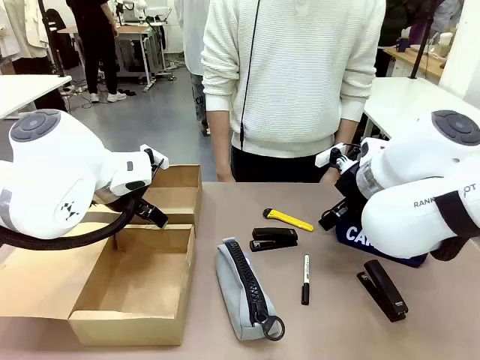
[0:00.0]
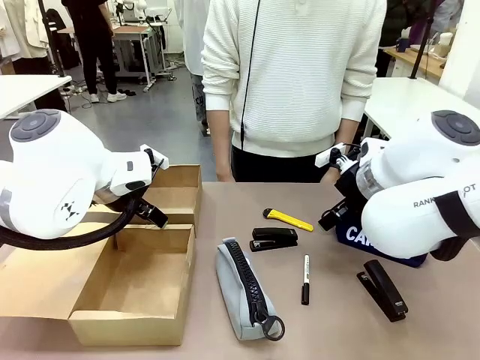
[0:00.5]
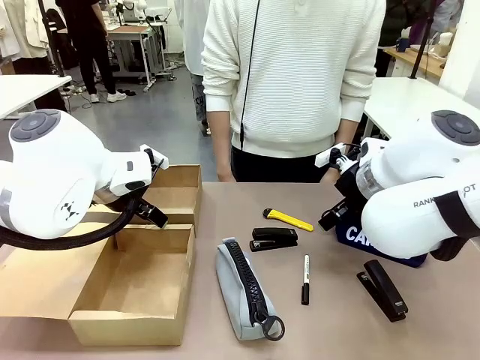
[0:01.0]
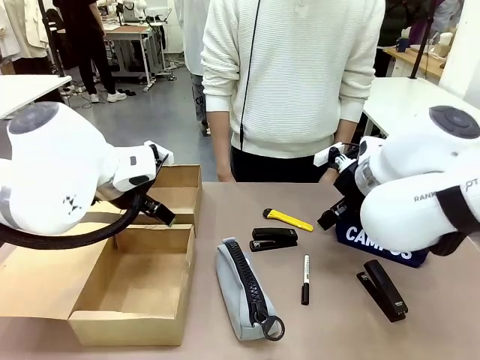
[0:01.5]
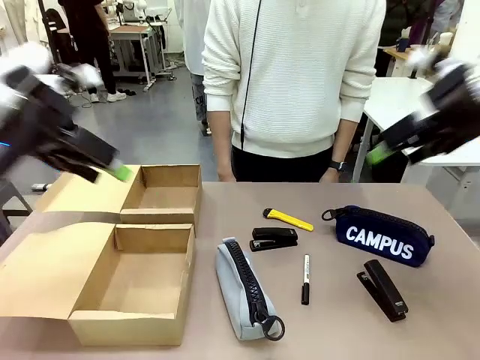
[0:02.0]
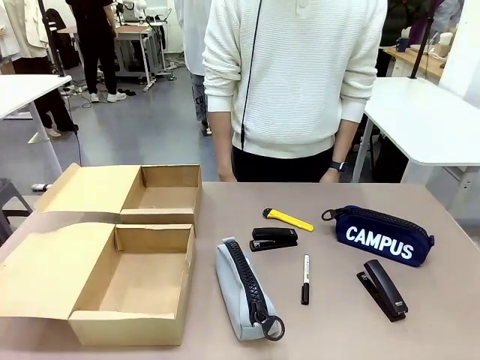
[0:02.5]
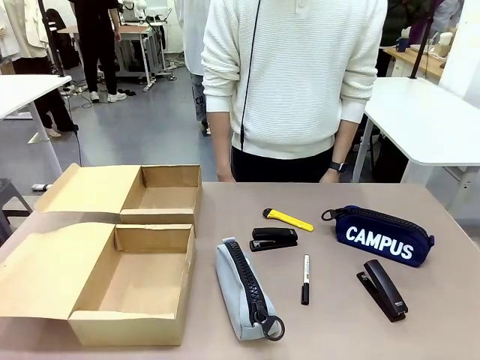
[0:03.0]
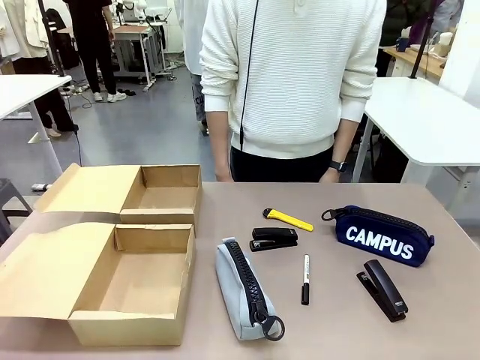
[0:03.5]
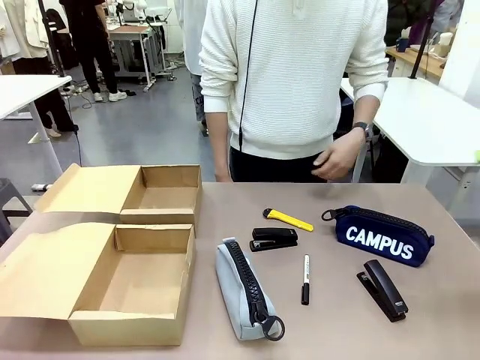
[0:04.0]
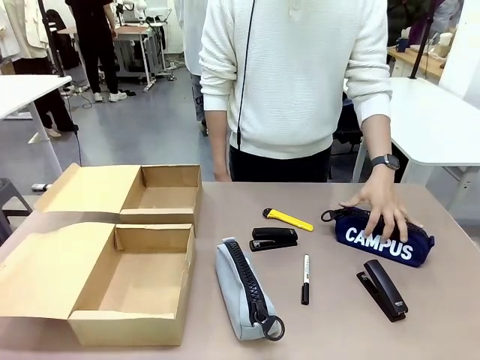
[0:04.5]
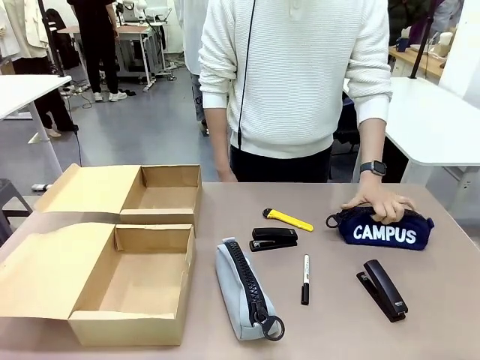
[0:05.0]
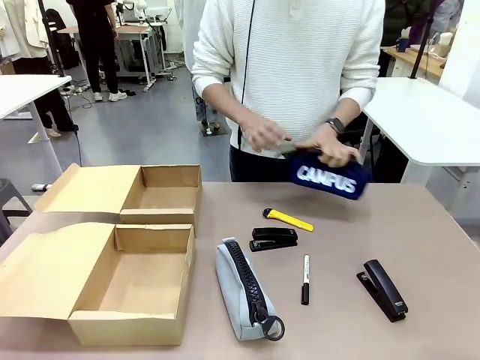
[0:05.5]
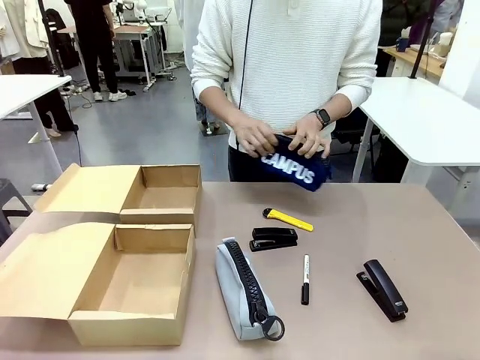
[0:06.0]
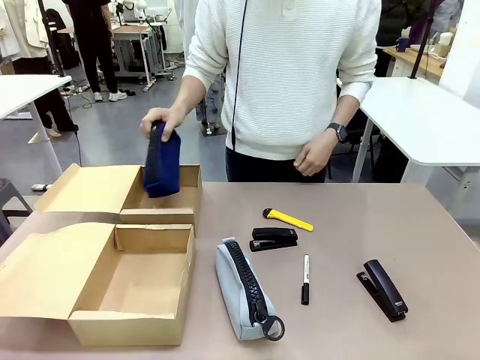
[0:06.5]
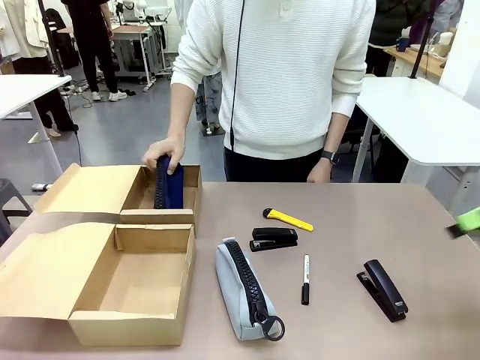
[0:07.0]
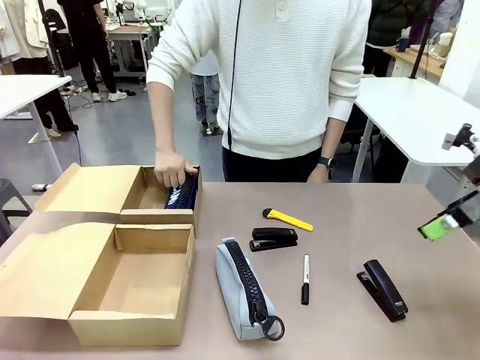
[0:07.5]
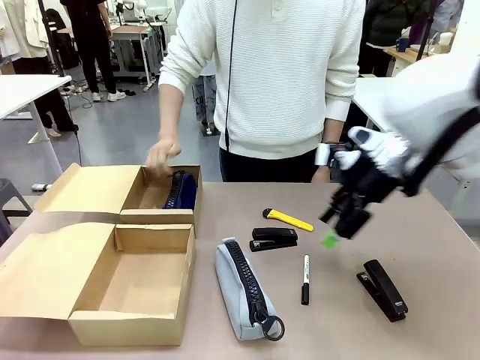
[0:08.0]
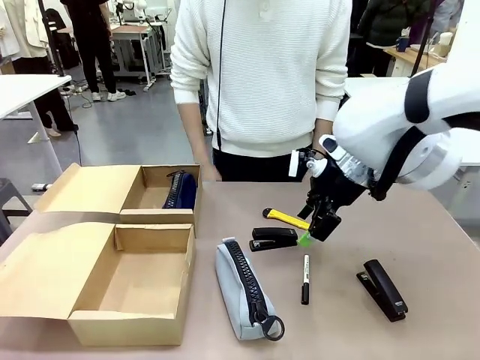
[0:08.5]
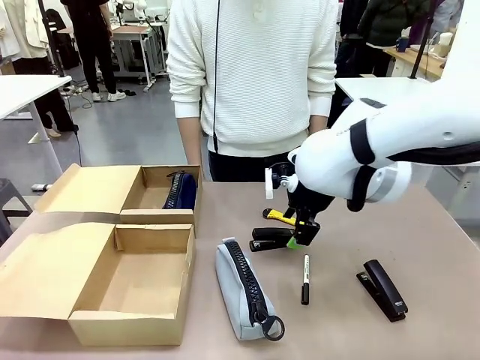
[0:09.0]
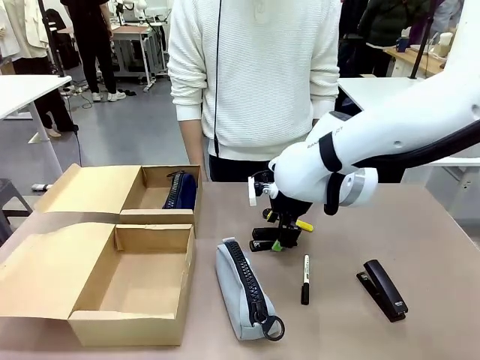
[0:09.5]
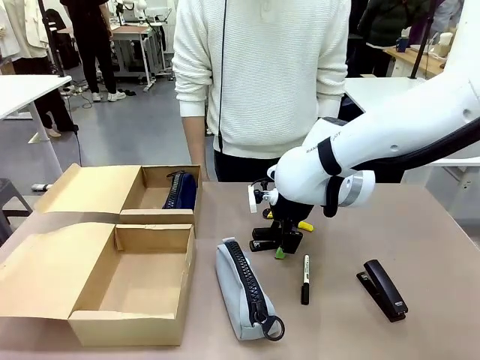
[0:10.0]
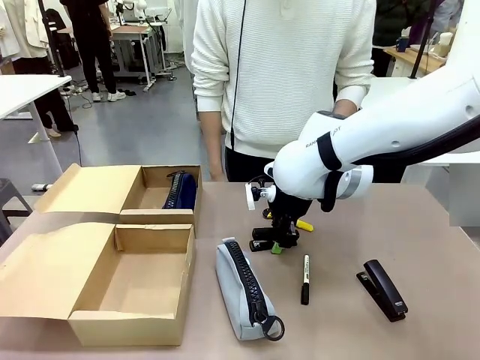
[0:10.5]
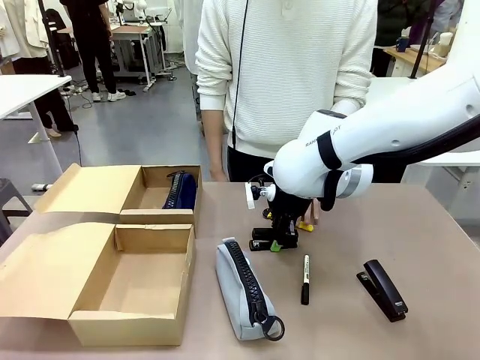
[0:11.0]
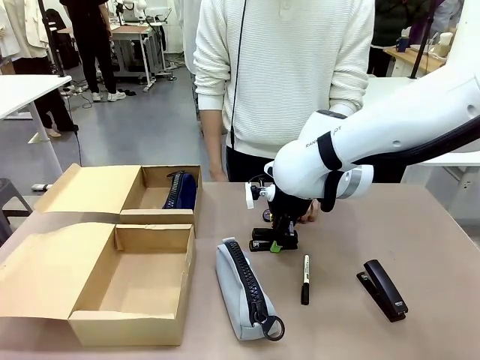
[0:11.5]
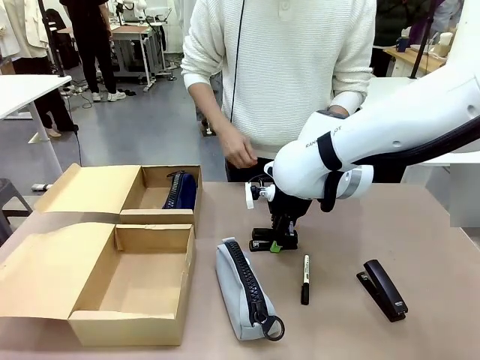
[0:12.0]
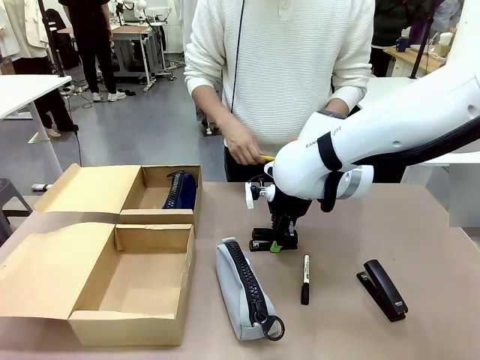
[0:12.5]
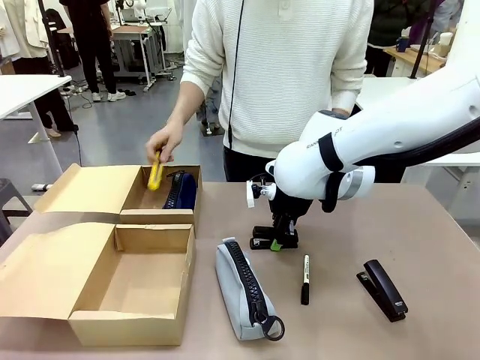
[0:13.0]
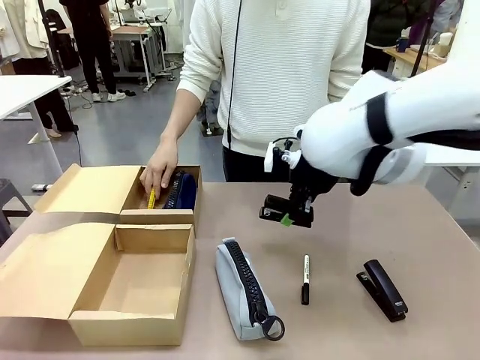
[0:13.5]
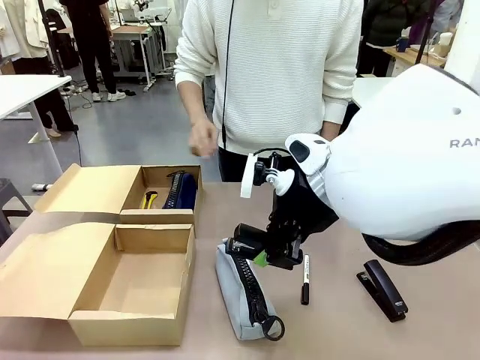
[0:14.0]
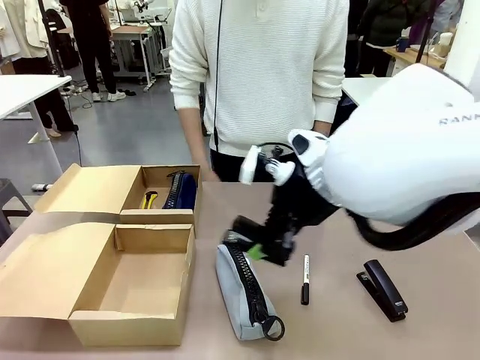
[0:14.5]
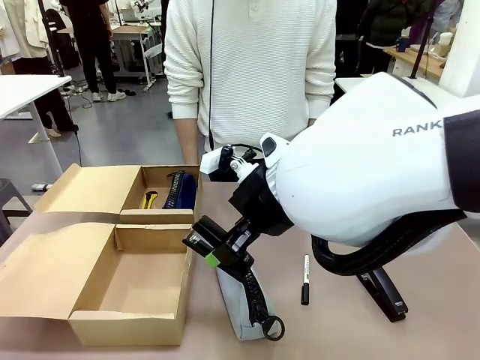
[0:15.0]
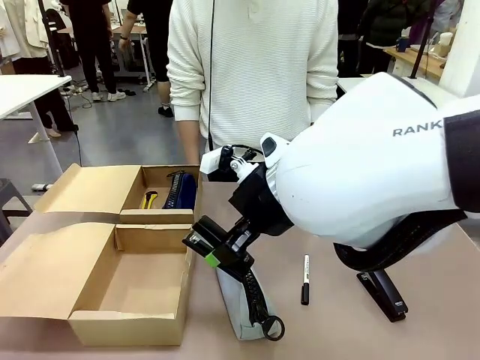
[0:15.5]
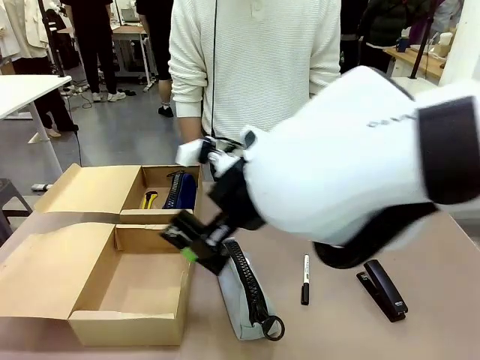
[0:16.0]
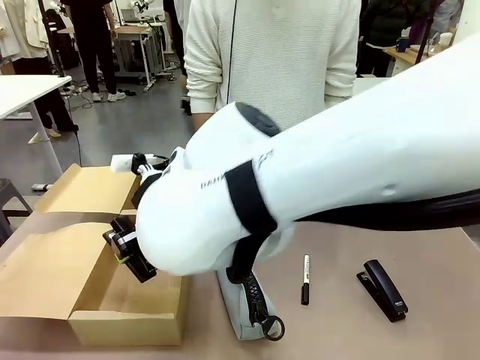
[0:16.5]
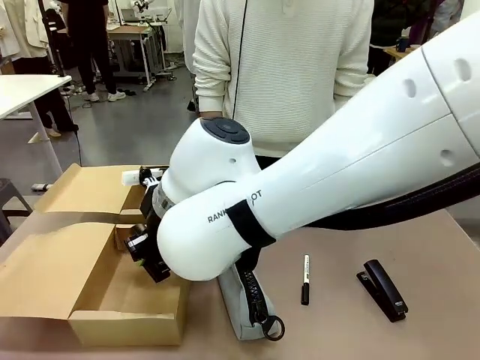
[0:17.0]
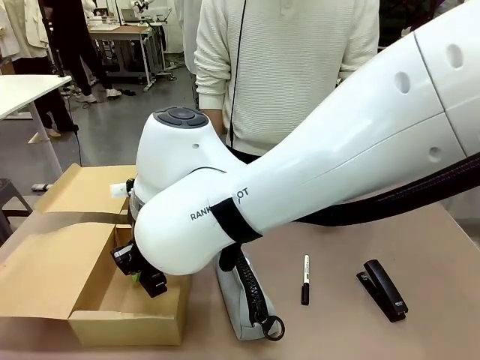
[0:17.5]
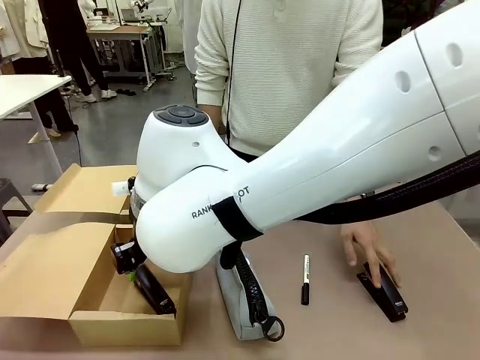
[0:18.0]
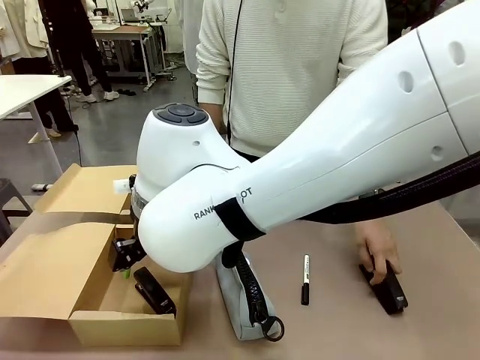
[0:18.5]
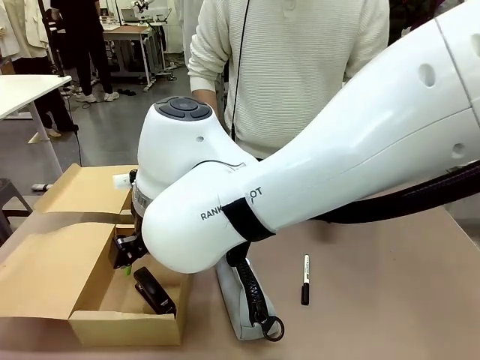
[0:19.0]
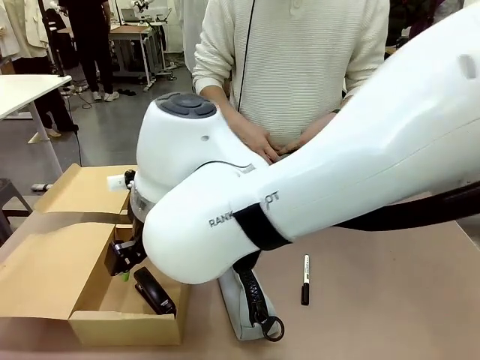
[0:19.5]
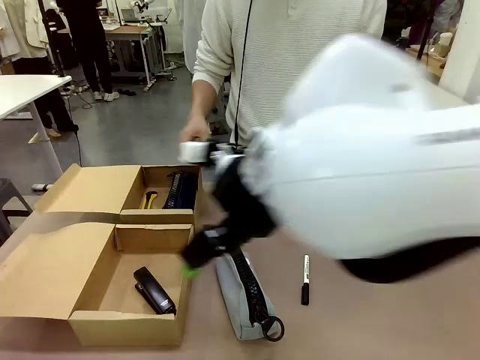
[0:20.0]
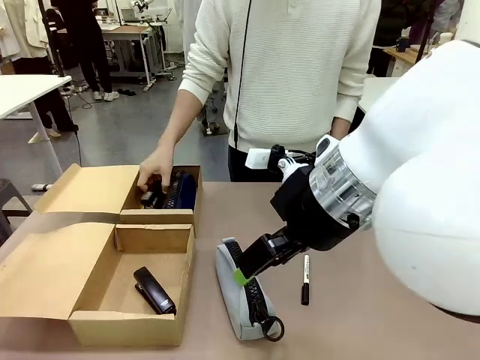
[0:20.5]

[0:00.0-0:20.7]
Task: Place items inside the box.
Robot: Pick up a Pencil pouch or Stapler and place it inside the Mailer Box closest to the robot.
Person: Pick up an object on the table and put it in the box.
